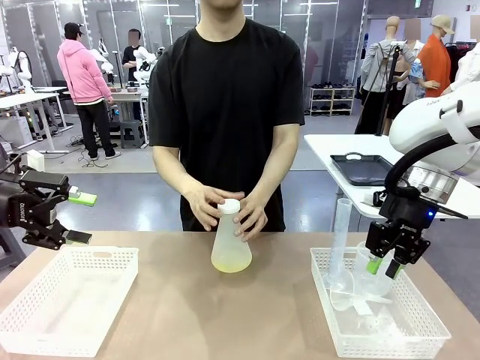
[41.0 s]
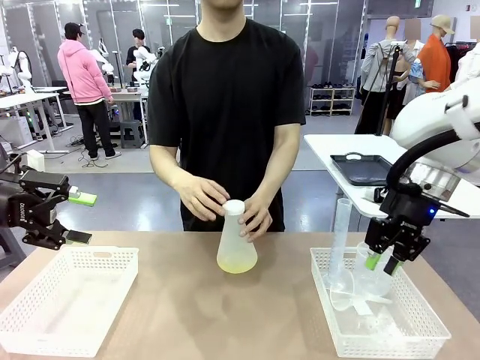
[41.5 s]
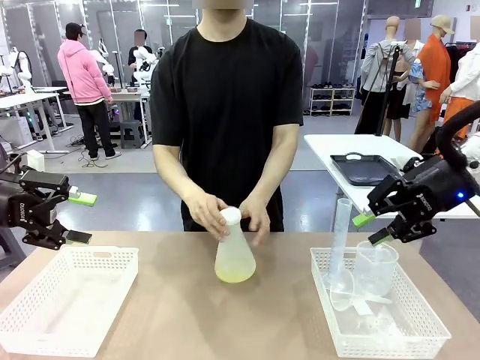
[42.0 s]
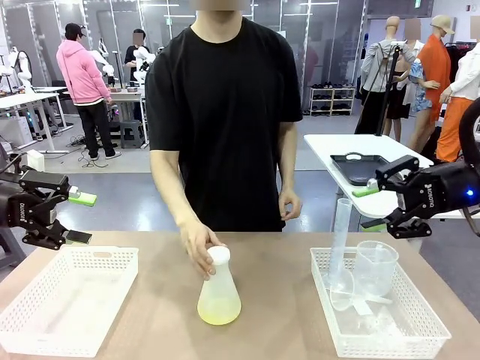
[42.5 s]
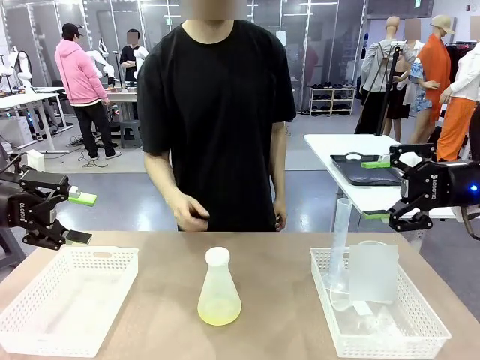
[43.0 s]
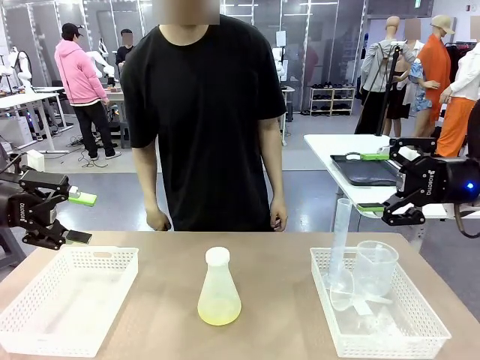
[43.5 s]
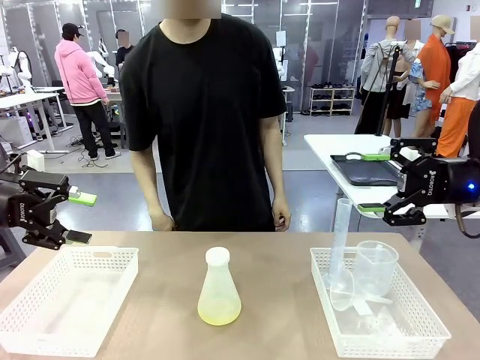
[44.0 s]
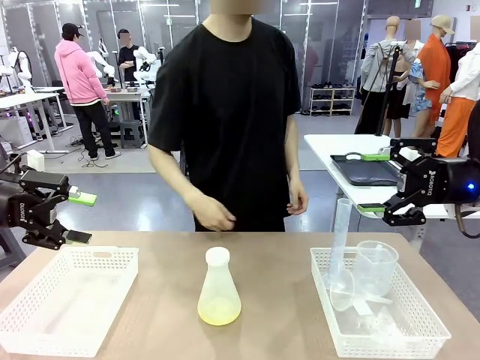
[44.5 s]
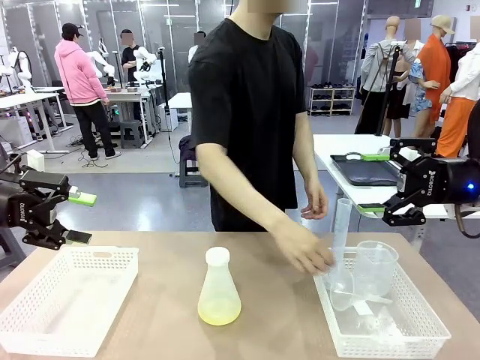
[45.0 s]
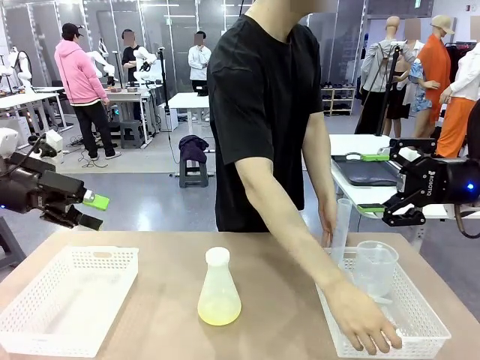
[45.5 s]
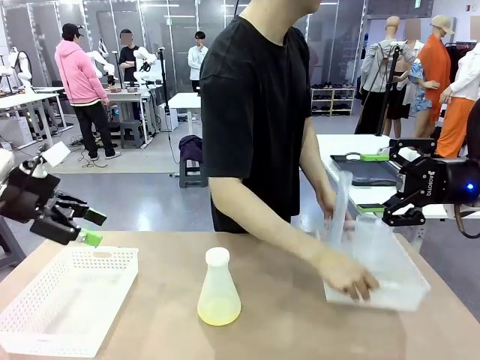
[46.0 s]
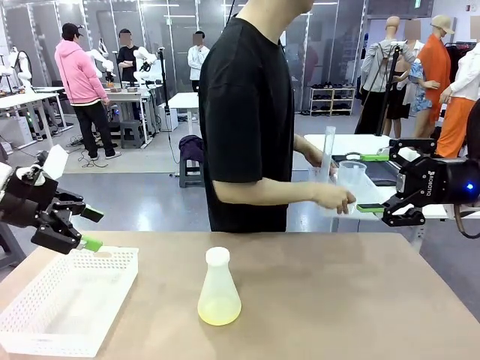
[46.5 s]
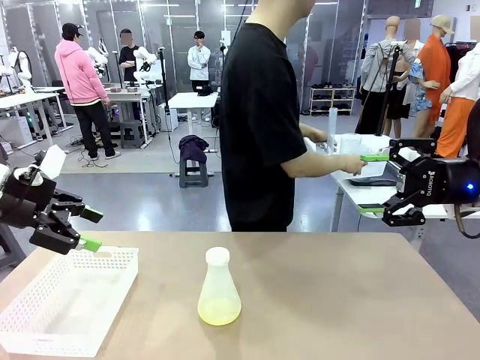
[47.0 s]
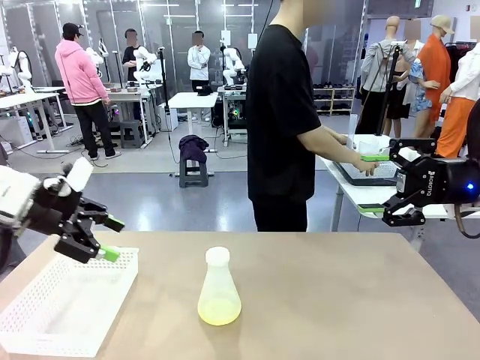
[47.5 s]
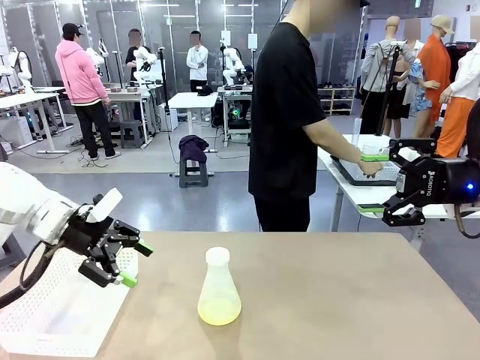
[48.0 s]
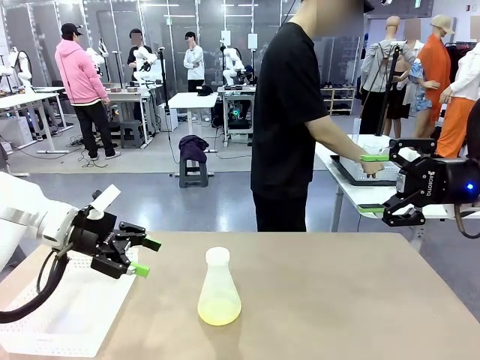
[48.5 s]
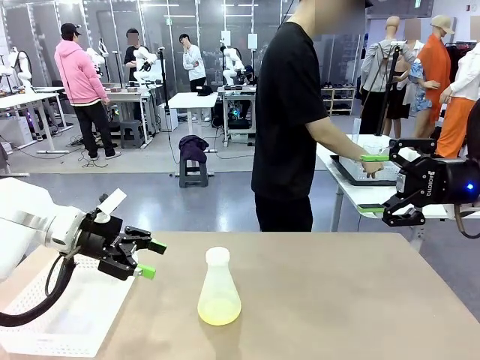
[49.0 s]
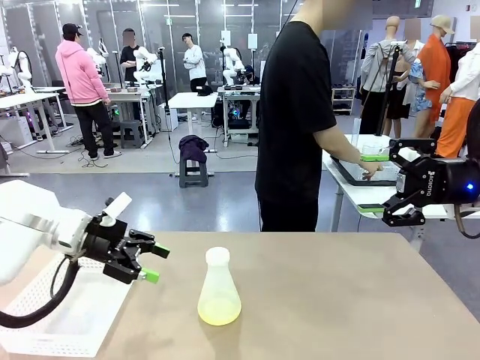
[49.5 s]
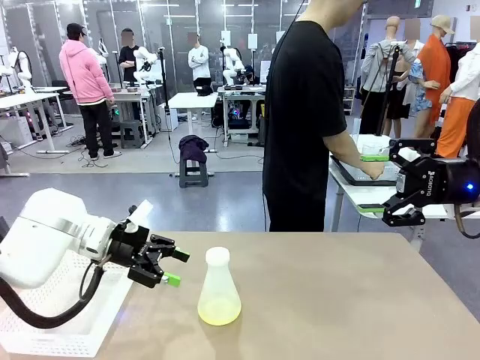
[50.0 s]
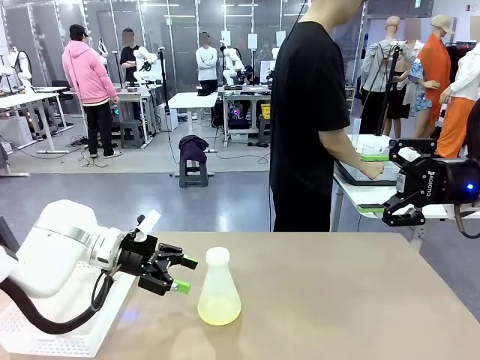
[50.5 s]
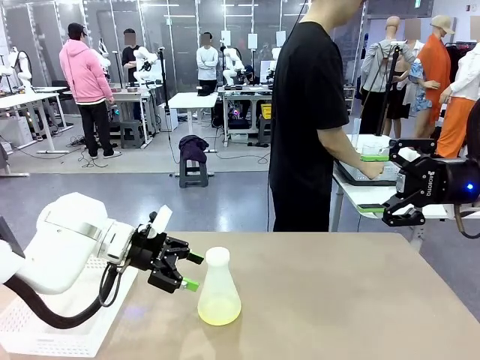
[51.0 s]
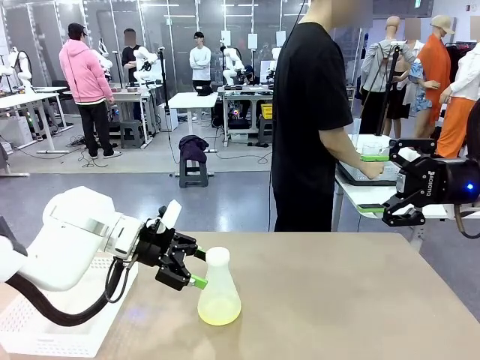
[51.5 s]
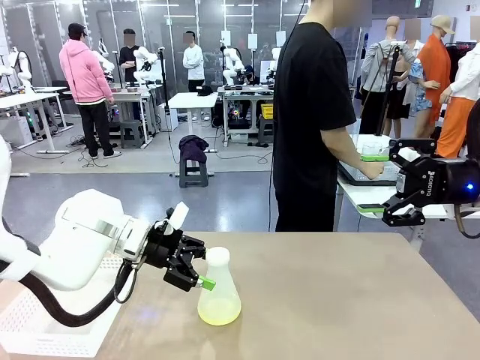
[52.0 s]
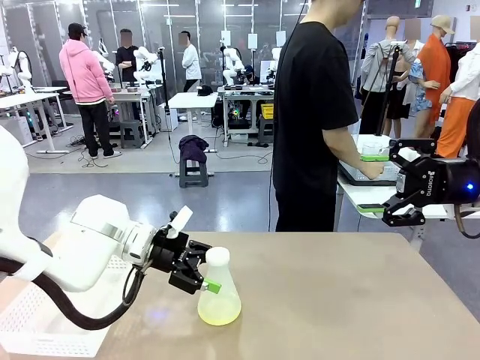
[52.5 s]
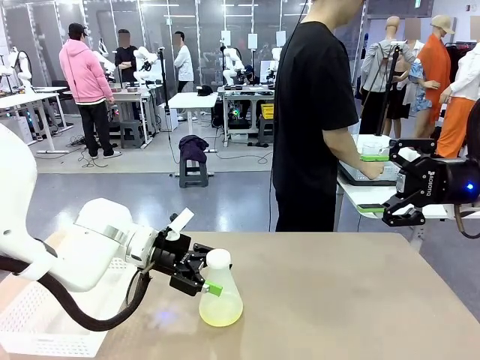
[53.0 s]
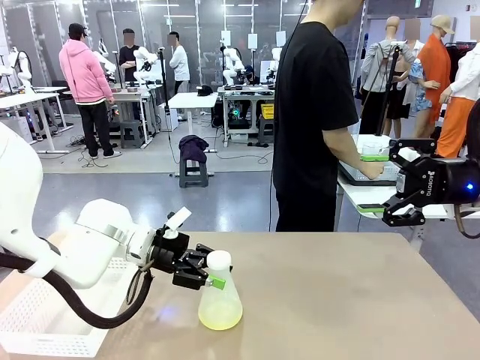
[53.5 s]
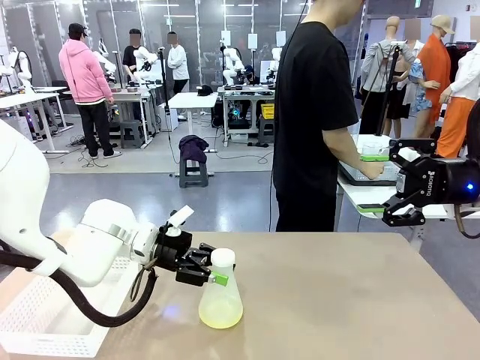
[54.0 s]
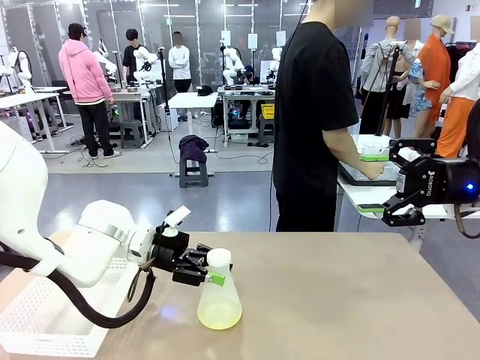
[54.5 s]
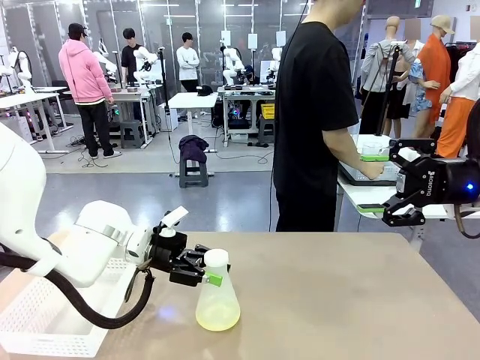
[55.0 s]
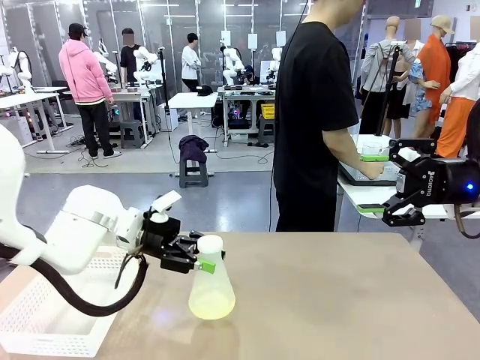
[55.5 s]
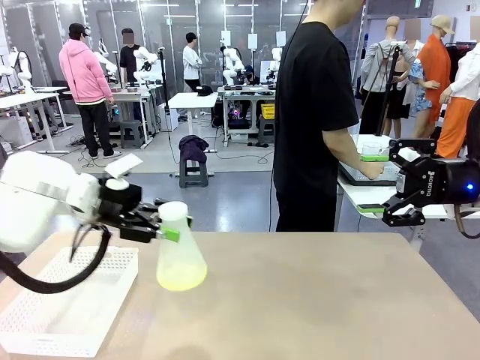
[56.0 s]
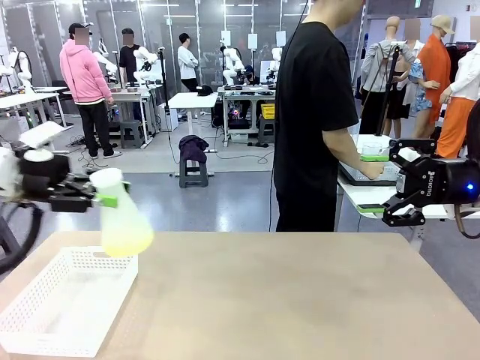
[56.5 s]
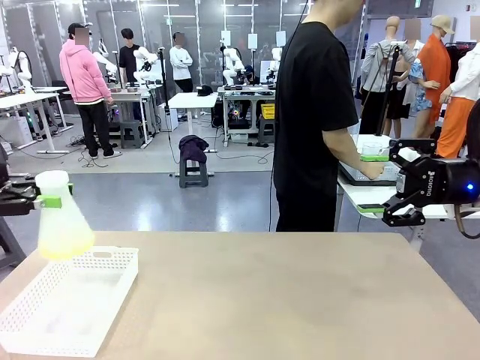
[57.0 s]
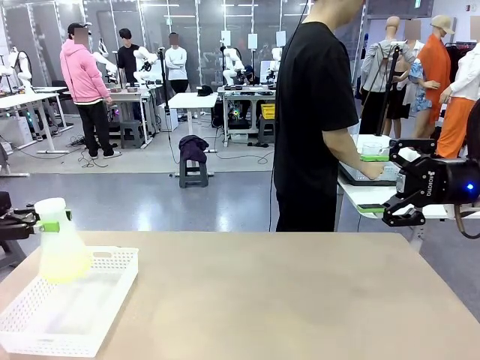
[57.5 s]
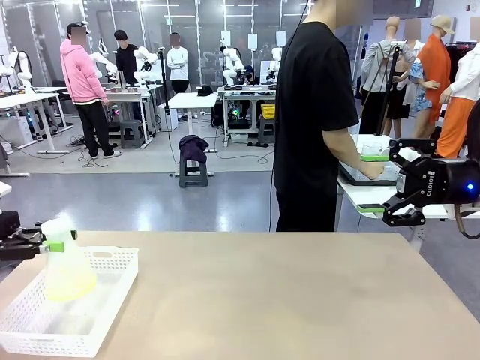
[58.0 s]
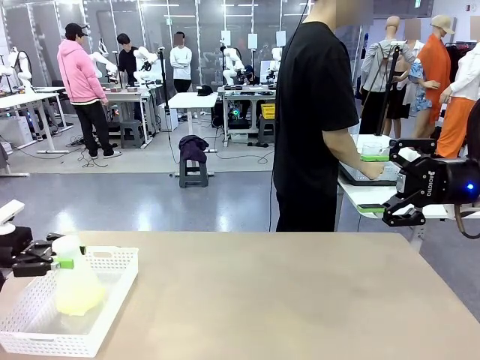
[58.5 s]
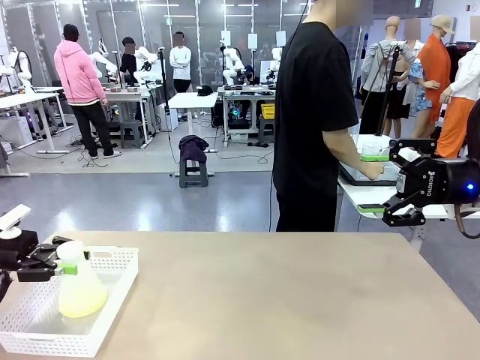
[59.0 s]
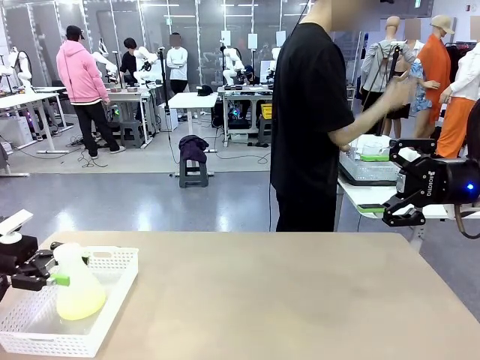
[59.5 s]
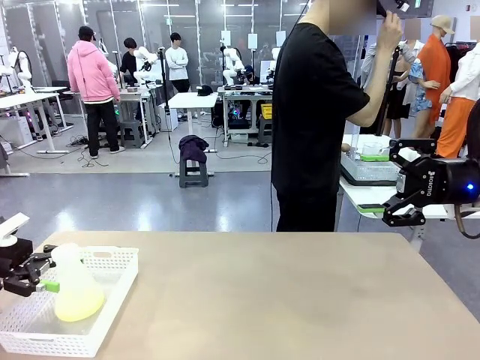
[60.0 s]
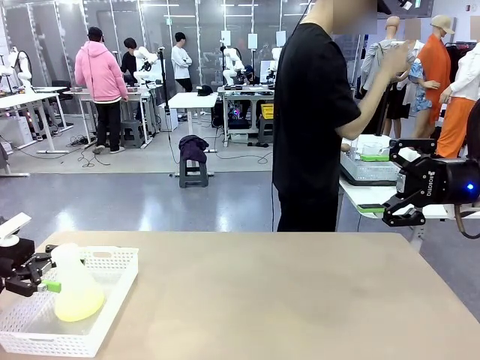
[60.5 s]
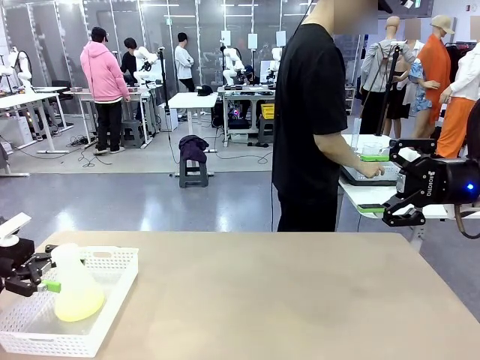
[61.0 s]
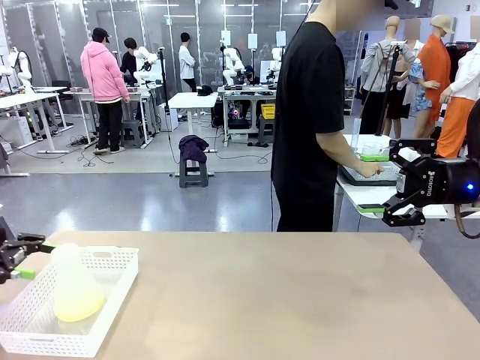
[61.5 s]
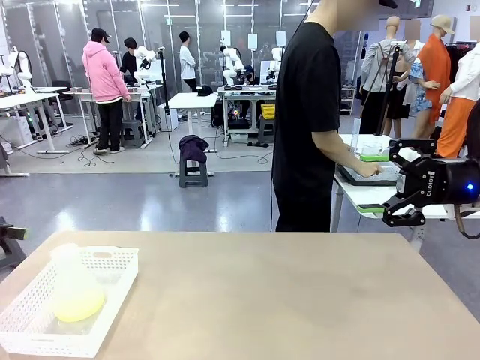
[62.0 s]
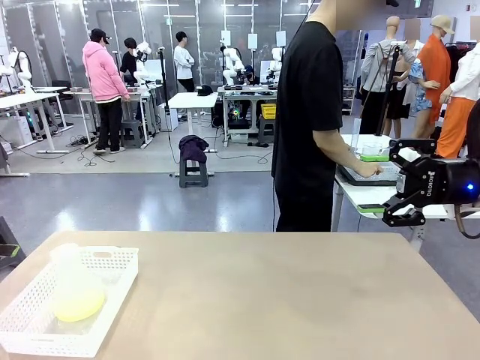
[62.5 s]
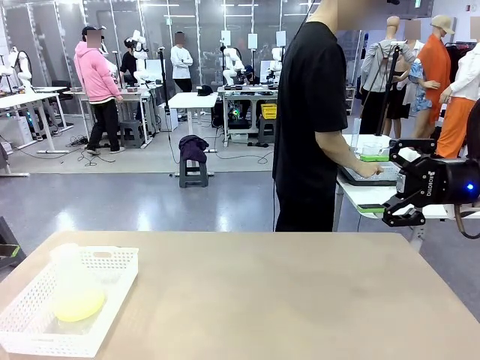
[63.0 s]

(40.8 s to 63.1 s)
Task: Prepare the solutions needed for the experiment.
Robot: When the human places the Big flask in the center of the table, pick up the Big flask and place it in the left Organizing basket.
Person: Pick up the organizing basket on the left side of the robot table and place it on the left side of the human table.
